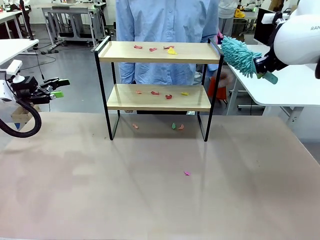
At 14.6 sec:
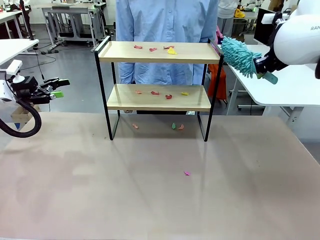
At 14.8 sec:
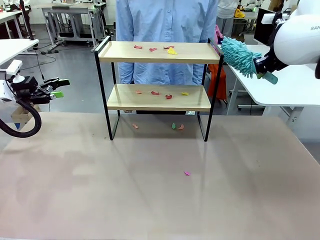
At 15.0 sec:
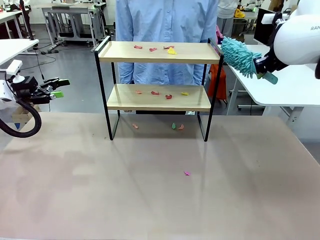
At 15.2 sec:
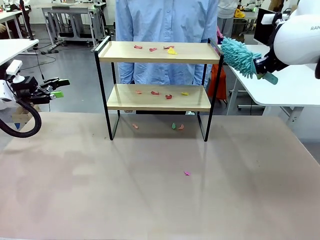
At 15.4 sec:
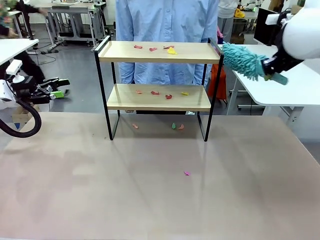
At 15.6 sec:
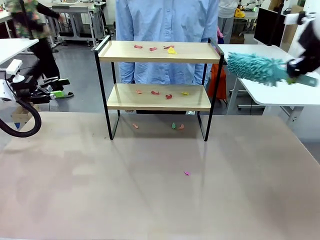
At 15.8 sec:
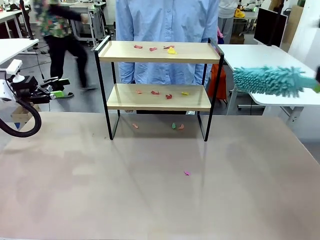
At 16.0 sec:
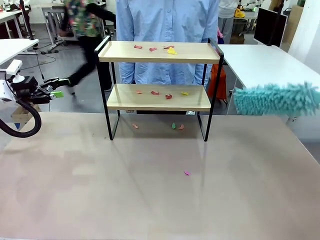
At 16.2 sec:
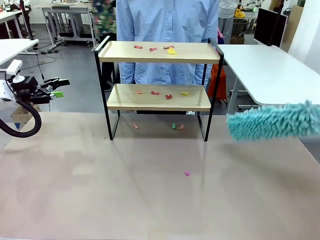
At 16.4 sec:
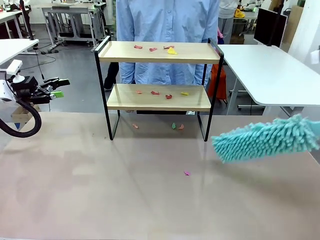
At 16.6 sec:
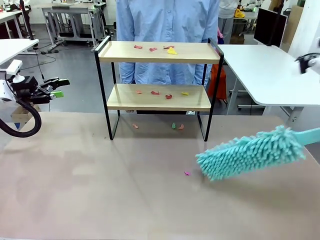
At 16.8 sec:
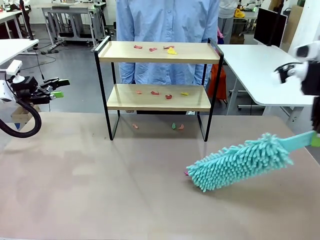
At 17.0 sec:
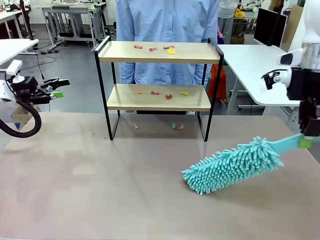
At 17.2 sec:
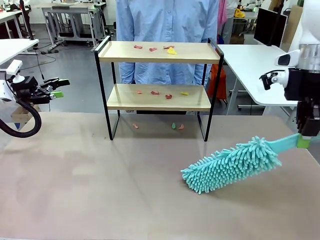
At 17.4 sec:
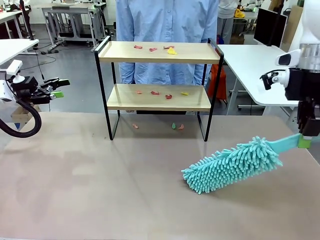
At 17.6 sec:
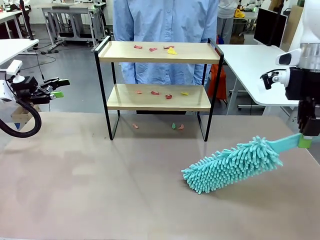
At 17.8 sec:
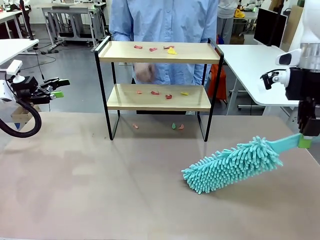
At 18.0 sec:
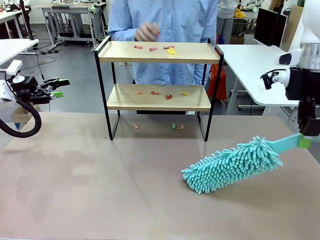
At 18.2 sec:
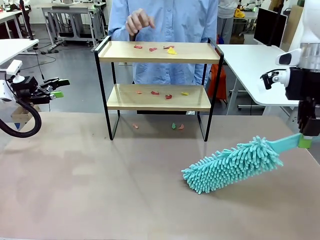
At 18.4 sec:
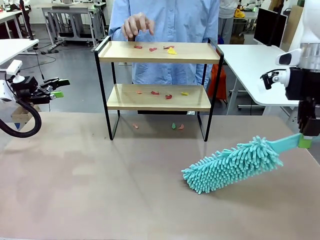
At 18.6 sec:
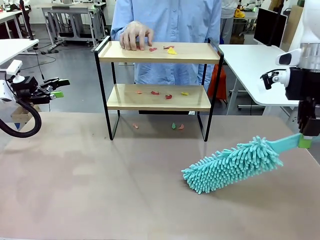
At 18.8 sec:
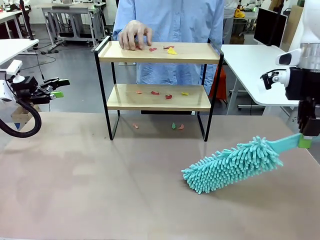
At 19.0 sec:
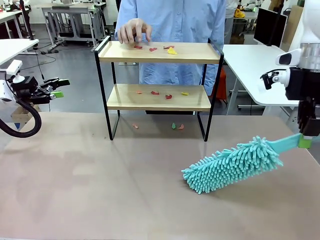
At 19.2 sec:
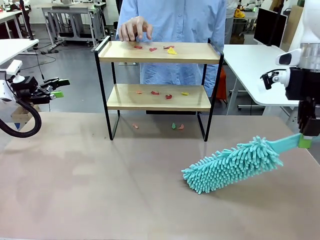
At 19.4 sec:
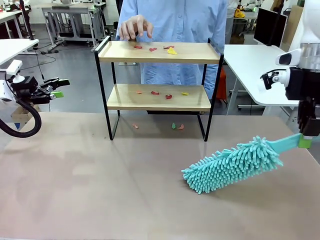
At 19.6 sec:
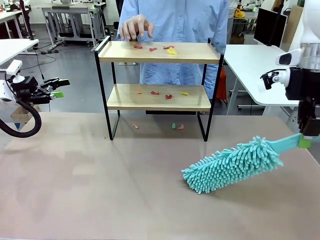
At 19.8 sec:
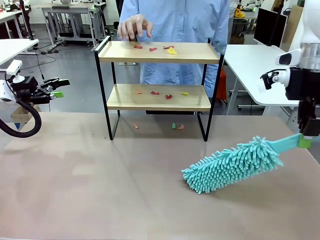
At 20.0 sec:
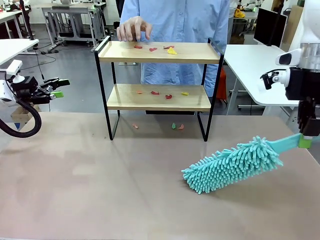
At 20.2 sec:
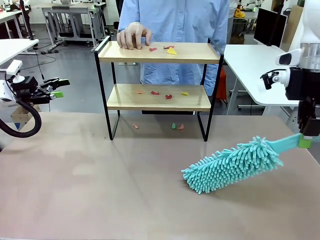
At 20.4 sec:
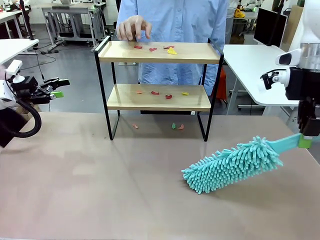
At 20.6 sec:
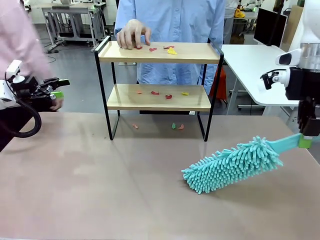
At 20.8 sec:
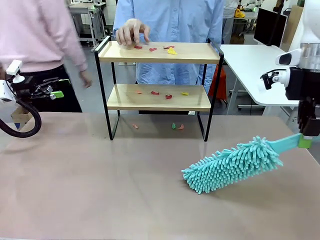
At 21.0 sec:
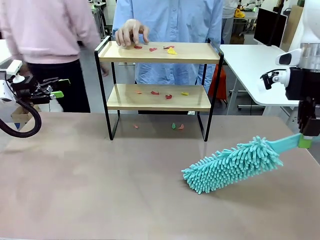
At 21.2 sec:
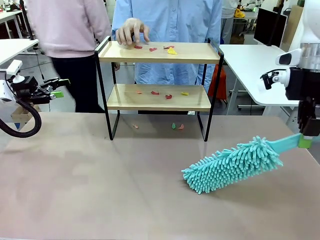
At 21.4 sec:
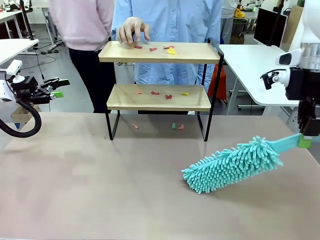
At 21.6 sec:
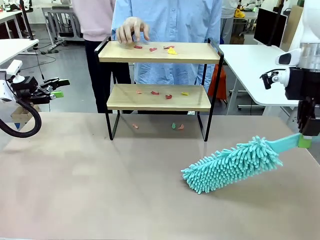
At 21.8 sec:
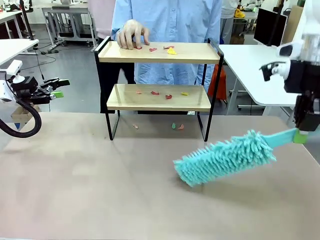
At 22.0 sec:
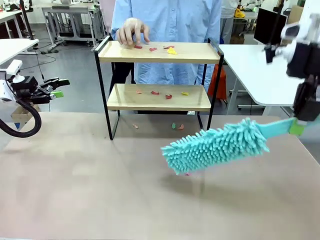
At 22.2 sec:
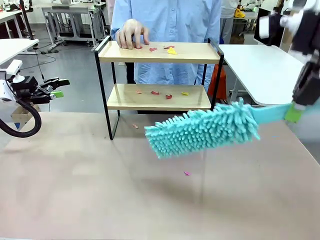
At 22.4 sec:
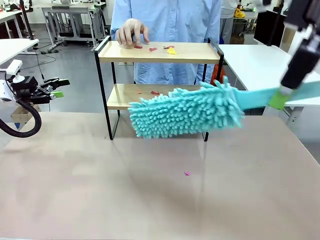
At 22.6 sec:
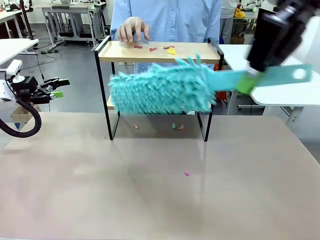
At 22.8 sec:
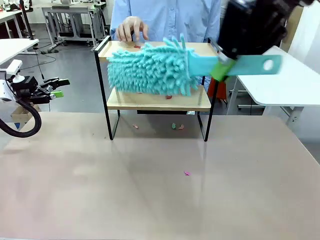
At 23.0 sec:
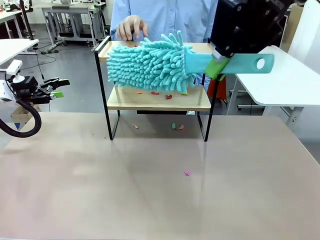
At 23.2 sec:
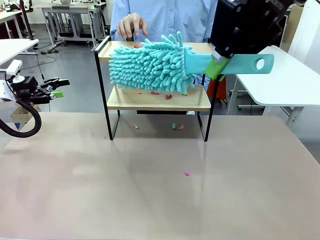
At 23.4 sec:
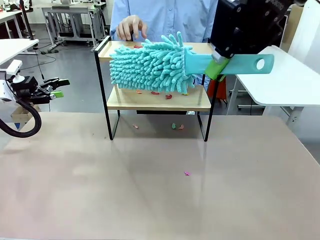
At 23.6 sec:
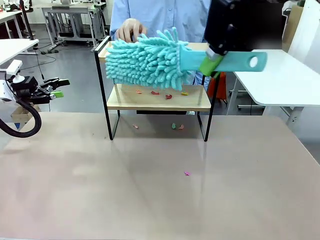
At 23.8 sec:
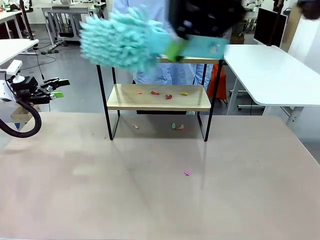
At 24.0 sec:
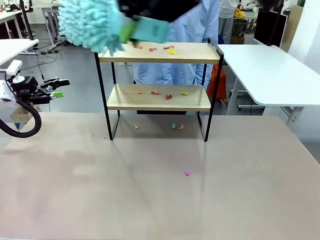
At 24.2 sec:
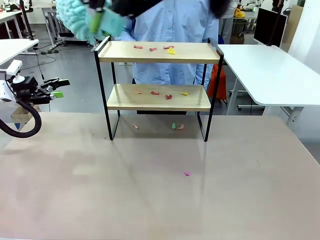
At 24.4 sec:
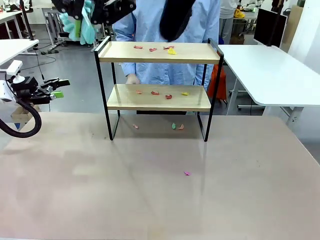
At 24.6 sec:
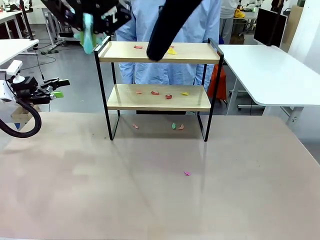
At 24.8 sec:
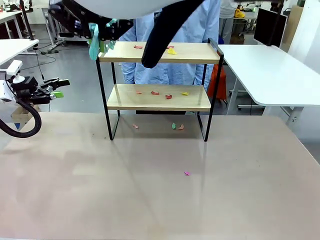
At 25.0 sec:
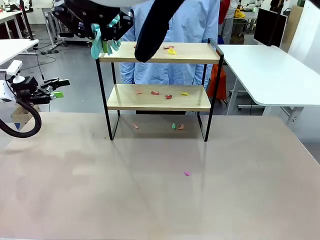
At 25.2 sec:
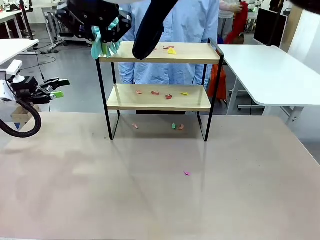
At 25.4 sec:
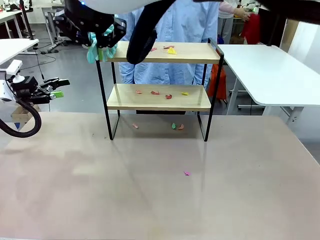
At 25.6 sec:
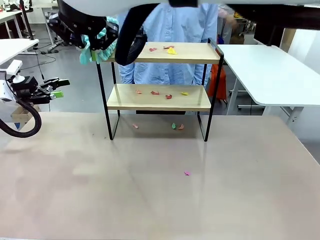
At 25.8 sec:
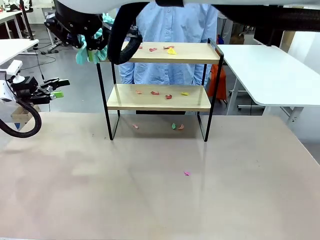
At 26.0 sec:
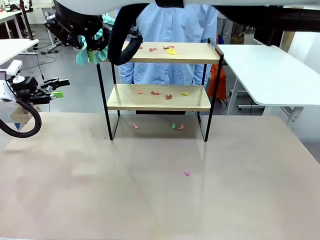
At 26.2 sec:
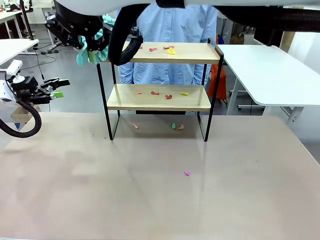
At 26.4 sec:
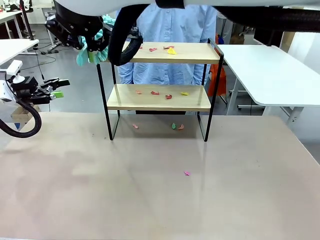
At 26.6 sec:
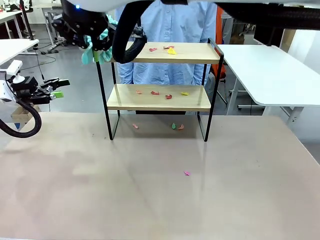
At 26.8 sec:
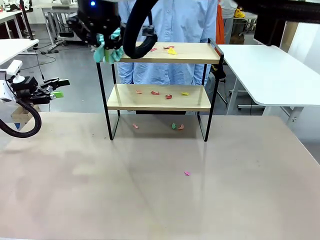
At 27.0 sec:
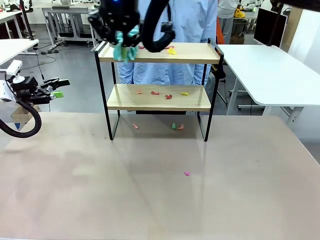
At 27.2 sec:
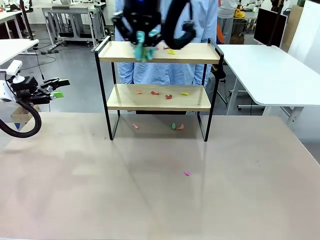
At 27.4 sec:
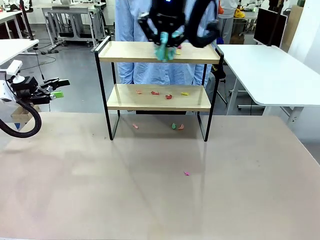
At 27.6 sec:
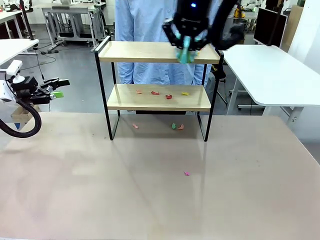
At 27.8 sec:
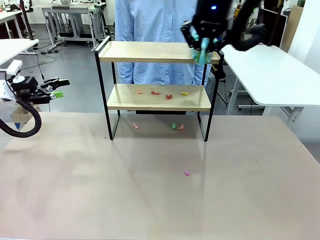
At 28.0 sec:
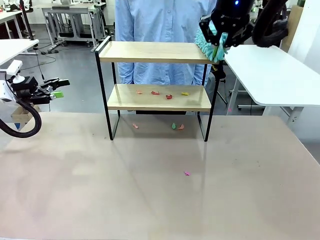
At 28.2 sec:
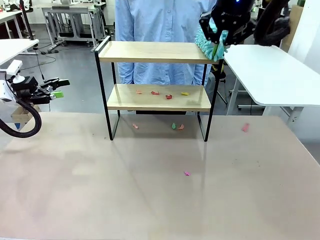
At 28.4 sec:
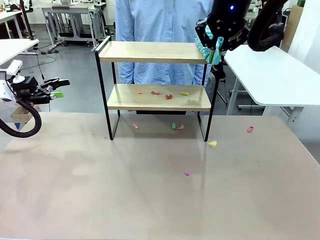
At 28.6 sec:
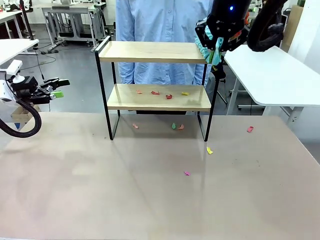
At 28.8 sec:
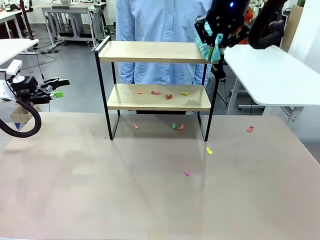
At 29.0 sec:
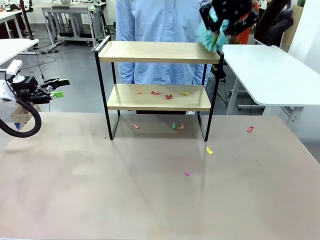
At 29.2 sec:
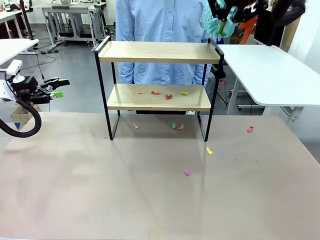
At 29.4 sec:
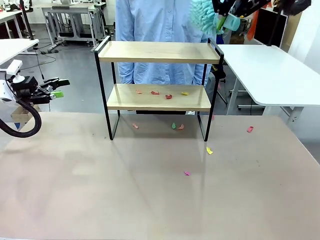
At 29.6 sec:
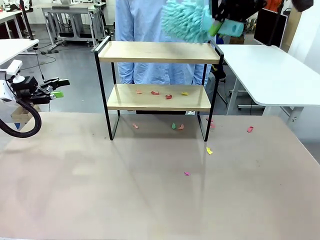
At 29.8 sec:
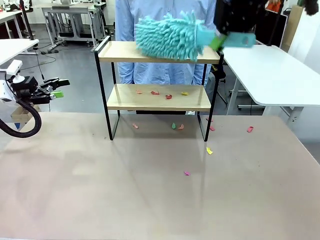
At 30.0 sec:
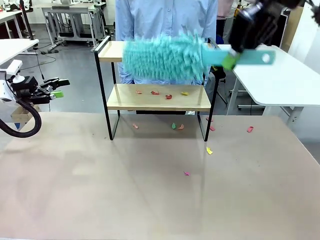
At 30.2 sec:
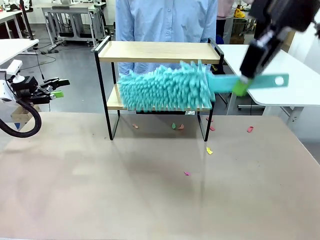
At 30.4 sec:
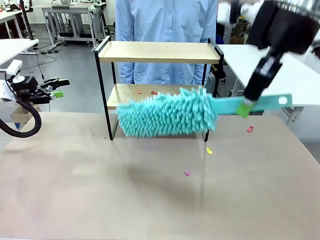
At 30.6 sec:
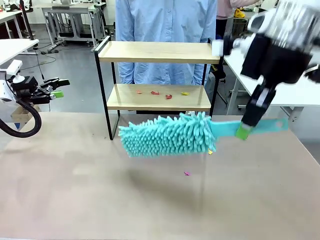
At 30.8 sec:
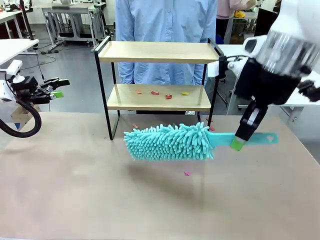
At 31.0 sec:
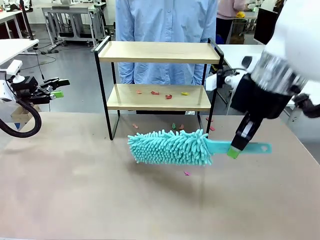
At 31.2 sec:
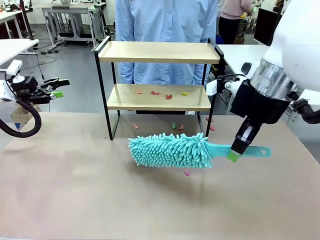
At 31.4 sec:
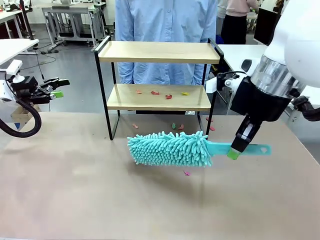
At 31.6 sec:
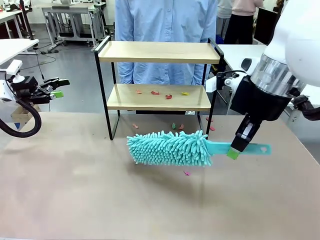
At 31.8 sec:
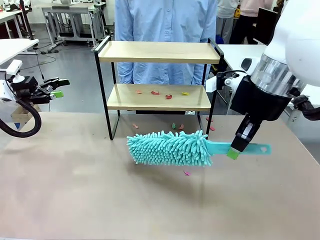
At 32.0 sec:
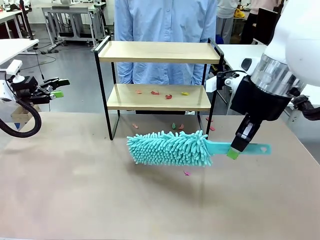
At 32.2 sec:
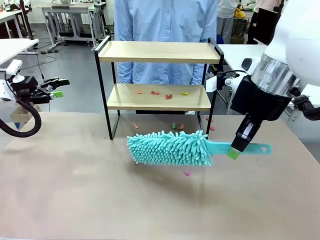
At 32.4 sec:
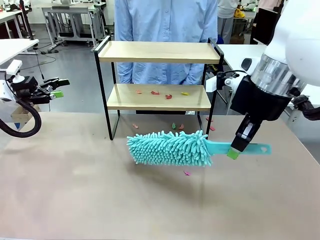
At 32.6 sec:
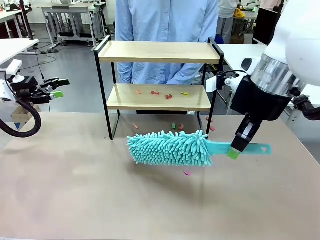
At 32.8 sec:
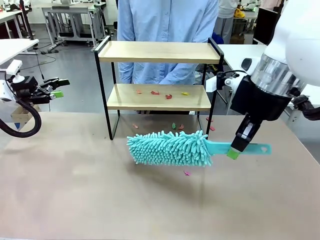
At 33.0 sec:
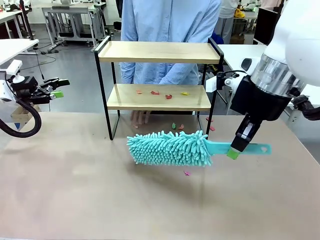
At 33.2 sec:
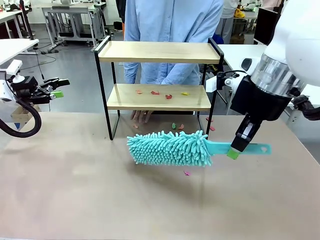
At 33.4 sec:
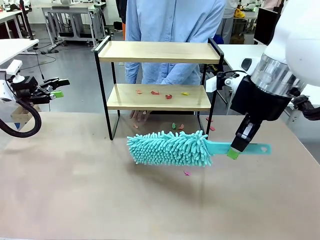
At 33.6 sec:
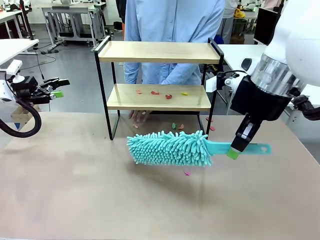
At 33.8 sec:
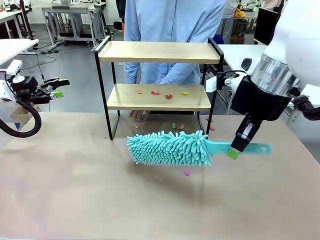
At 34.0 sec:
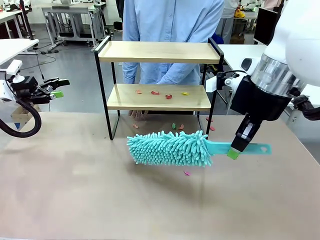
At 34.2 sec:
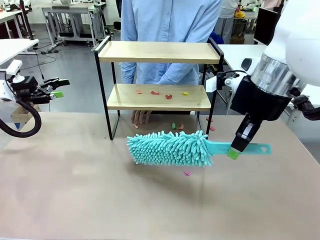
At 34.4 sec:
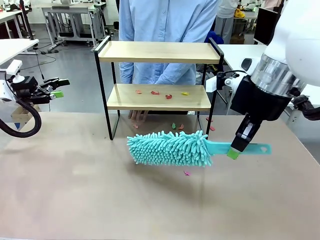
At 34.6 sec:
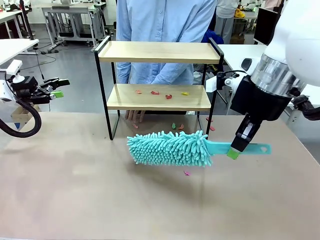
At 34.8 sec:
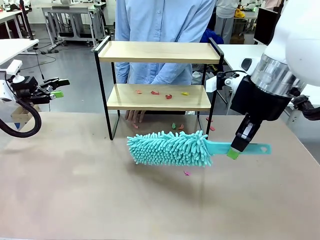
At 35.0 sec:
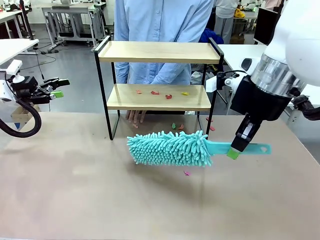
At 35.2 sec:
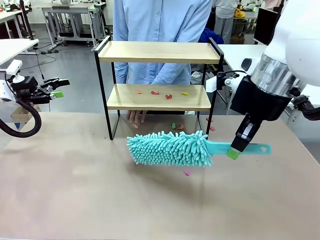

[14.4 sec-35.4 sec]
Task: Clean the shelf.
Robot: Clean the specific section of the Shelf indicated by the human with the Duster.
Person: Point a random section of the Shelf.
